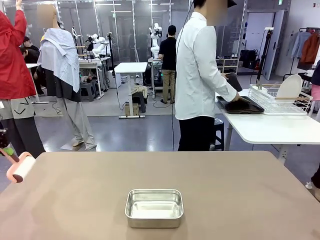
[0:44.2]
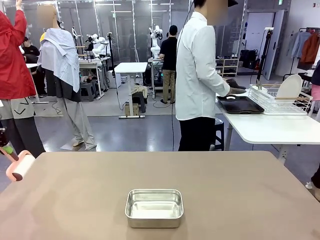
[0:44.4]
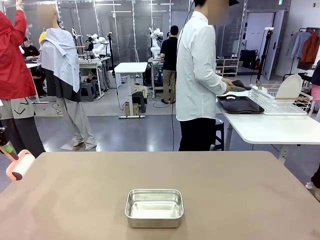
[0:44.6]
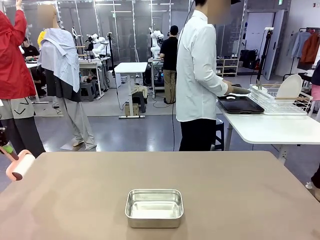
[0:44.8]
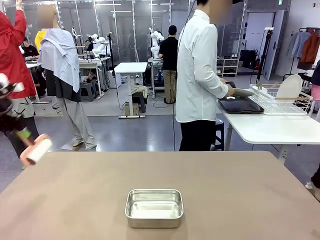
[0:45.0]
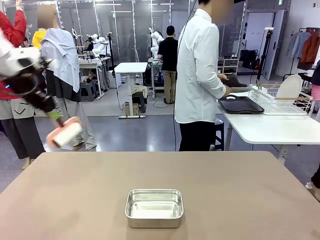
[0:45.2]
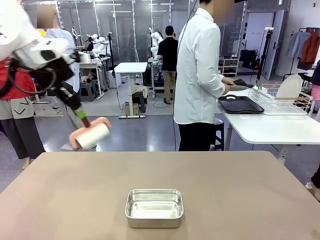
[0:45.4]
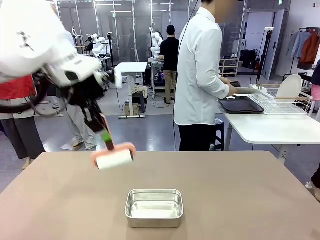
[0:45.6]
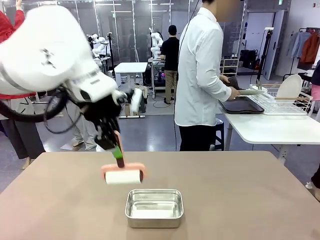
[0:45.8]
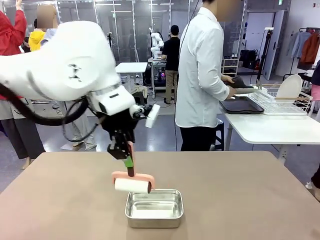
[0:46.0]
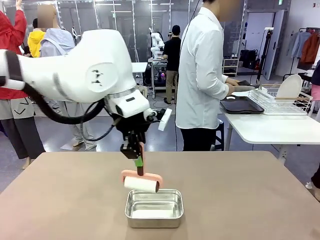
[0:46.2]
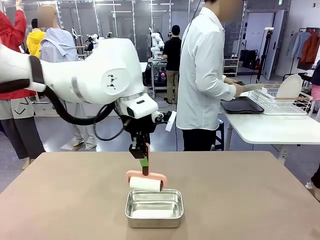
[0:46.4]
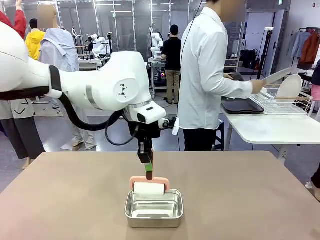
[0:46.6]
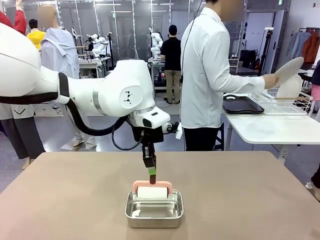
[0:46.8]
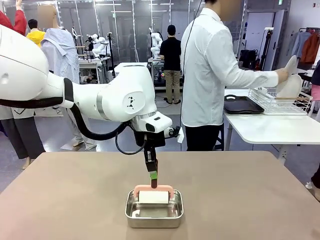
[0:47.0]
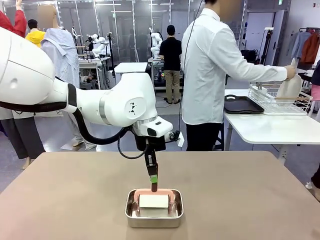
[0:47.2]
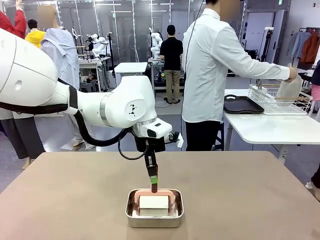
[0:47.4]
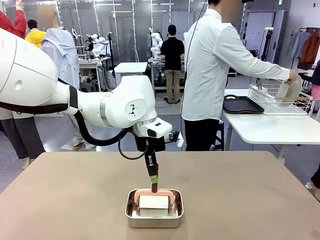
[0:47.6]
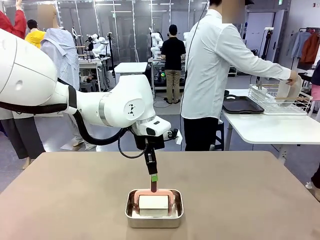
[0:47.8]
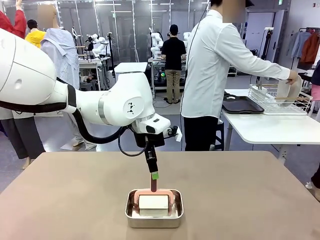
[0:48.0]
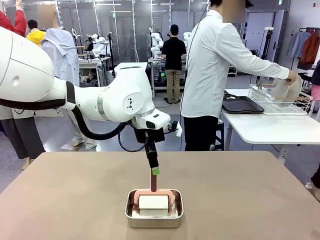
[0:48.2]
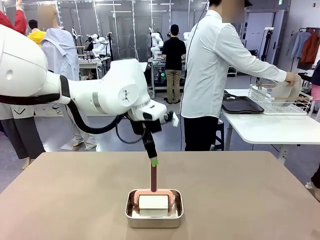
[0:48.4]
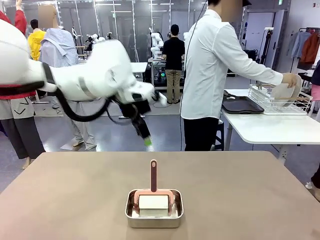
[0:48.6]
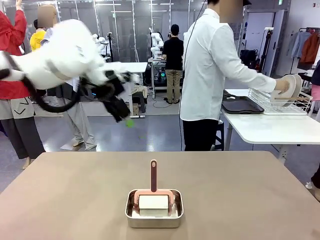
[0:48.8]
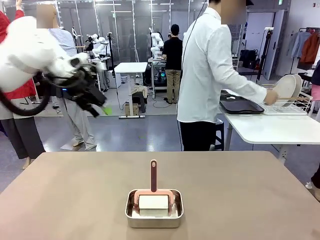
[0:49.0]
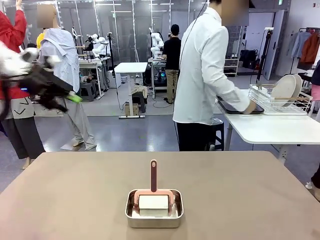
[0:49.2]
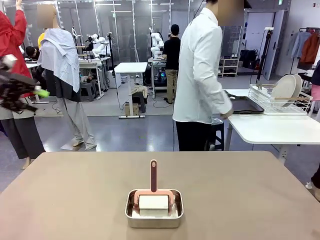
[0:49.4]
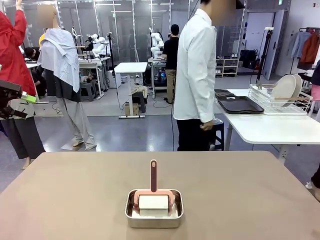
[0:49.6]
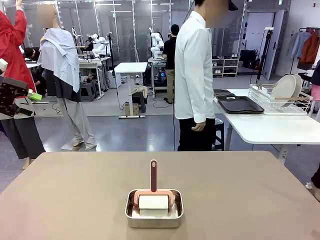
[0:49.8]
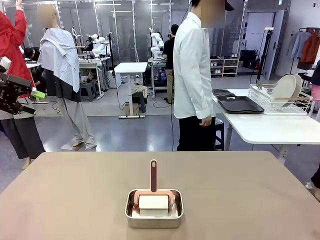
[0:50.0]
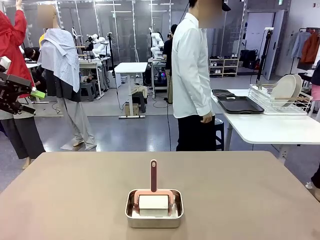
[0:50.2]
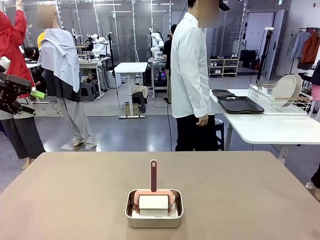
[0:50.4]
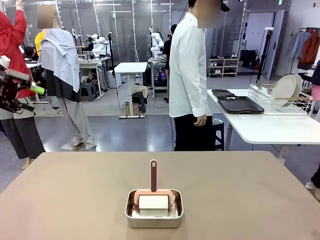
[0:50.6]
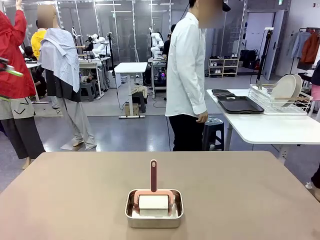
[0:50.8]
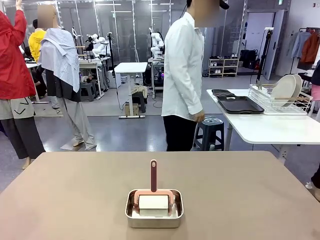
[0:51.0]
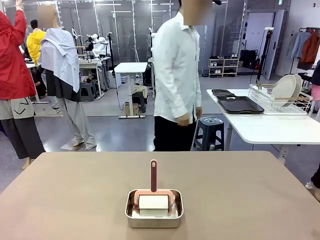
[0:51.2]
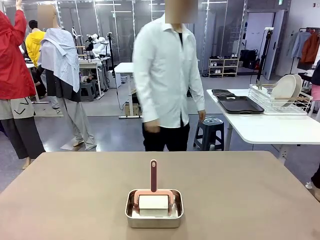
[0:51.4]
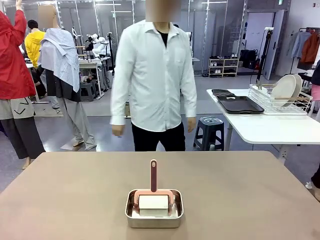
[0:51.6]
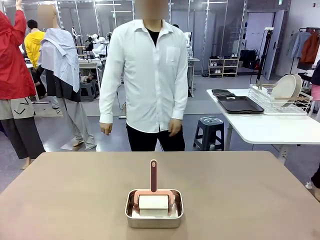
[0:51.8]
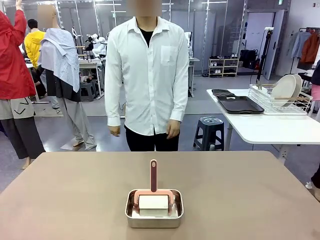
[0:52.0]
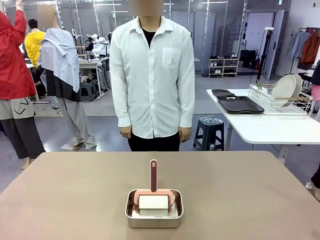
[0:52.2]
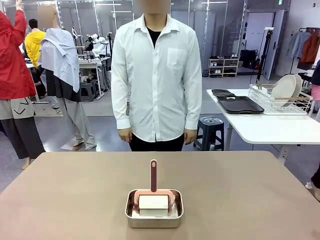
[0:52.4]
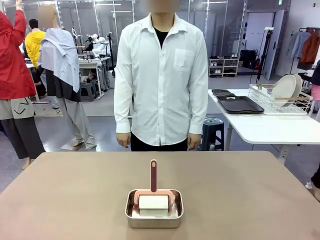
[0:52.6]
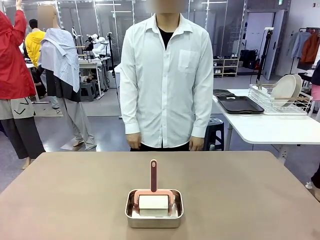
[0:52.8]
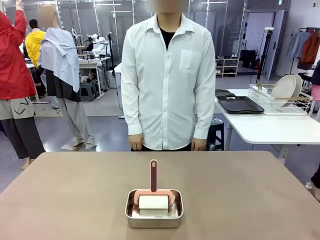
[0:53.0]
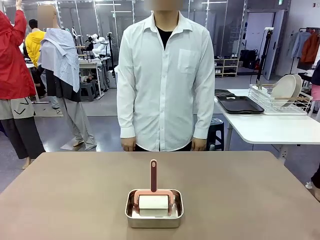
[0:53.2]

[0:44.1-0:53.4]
Robot: Place the Lint Roller back on top of the Airtight Container.

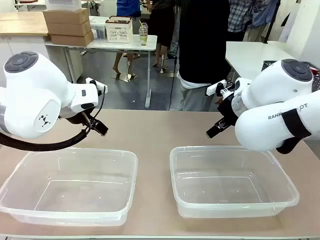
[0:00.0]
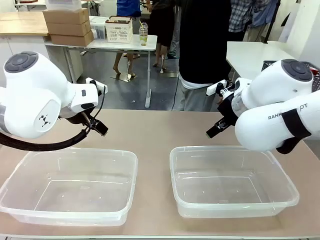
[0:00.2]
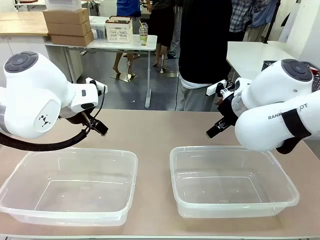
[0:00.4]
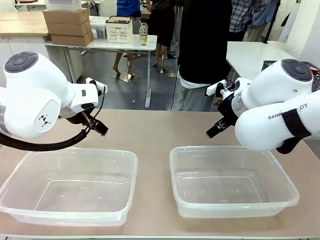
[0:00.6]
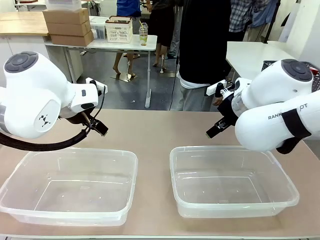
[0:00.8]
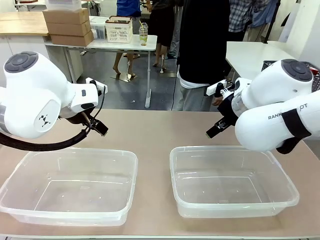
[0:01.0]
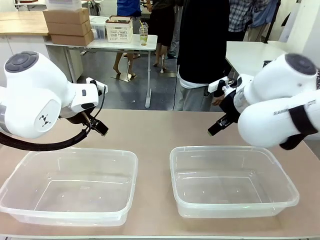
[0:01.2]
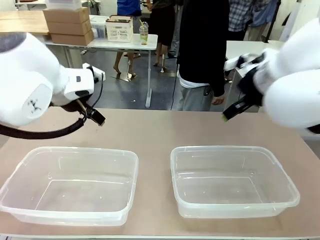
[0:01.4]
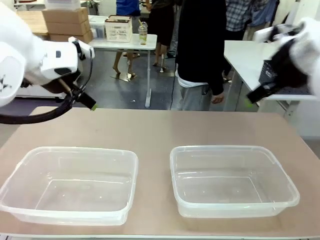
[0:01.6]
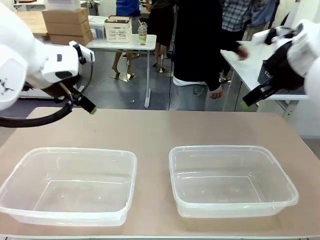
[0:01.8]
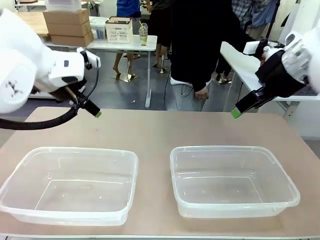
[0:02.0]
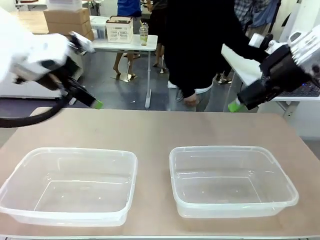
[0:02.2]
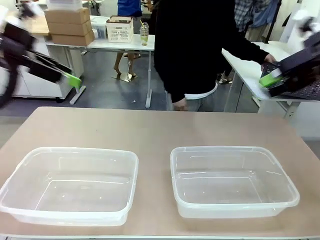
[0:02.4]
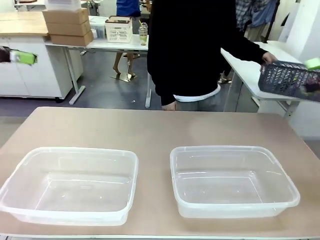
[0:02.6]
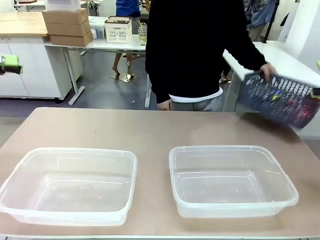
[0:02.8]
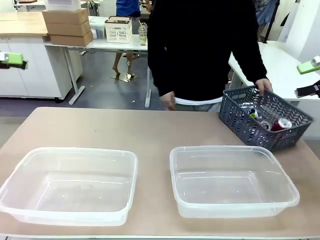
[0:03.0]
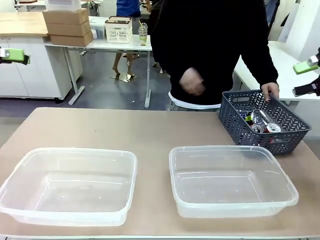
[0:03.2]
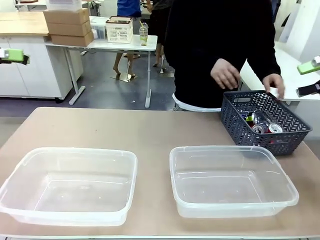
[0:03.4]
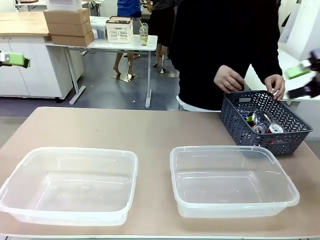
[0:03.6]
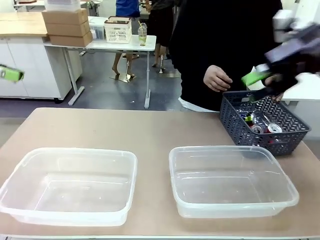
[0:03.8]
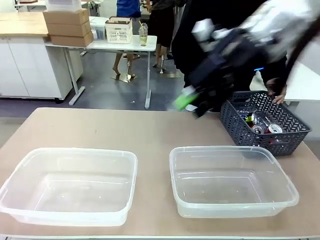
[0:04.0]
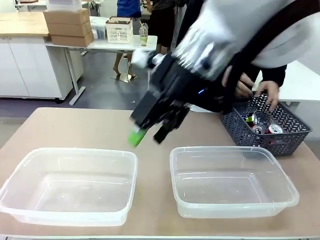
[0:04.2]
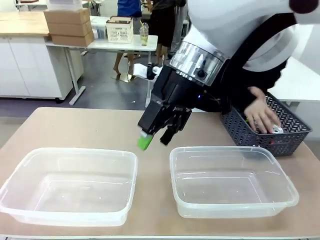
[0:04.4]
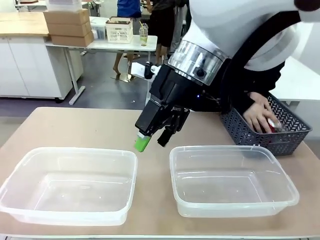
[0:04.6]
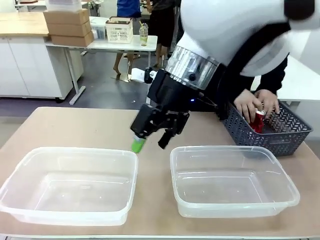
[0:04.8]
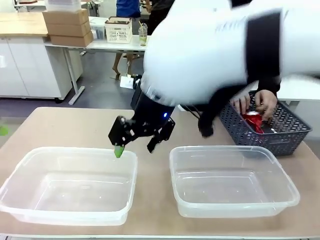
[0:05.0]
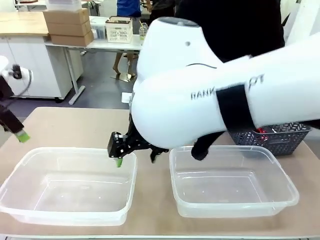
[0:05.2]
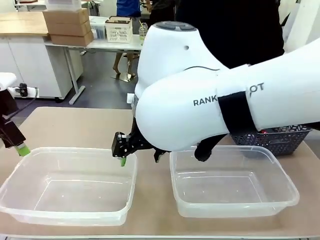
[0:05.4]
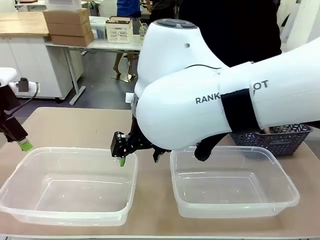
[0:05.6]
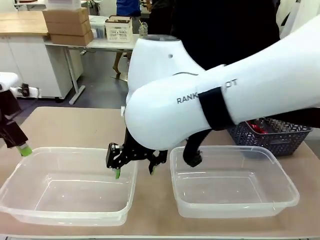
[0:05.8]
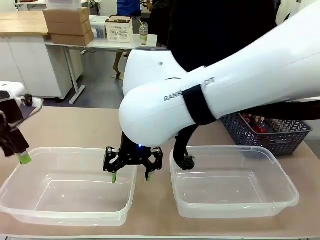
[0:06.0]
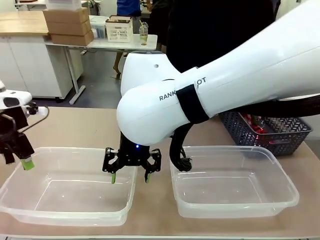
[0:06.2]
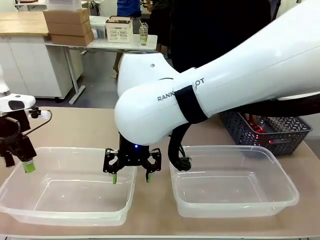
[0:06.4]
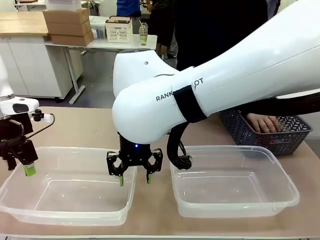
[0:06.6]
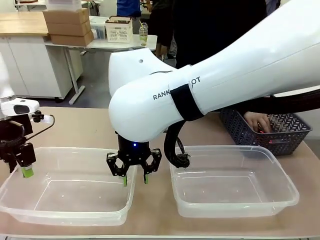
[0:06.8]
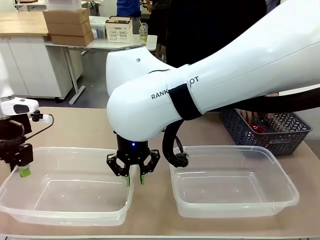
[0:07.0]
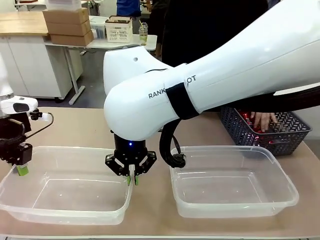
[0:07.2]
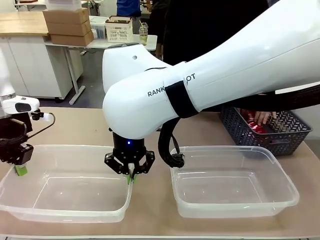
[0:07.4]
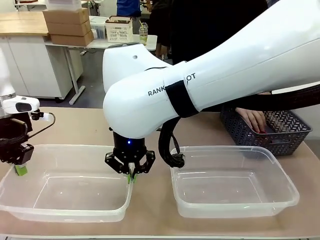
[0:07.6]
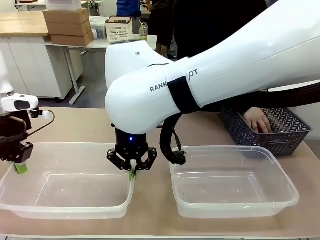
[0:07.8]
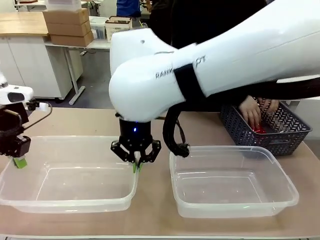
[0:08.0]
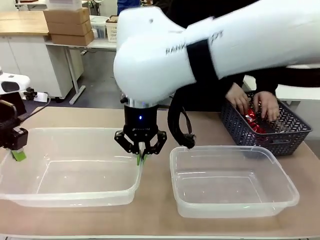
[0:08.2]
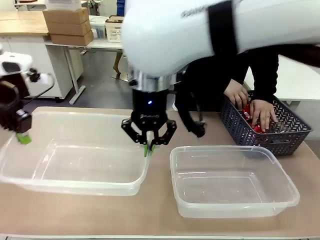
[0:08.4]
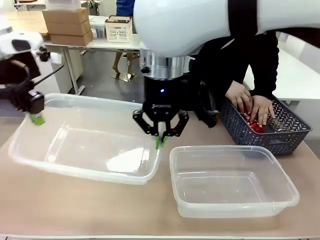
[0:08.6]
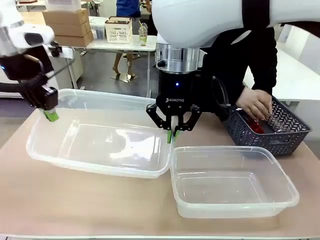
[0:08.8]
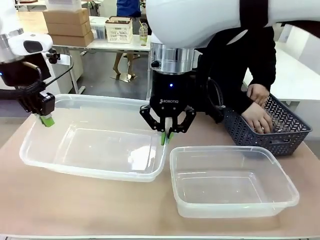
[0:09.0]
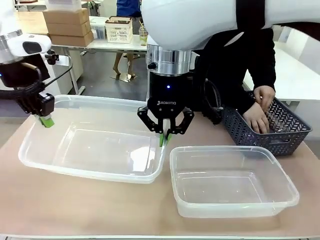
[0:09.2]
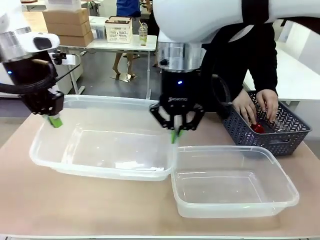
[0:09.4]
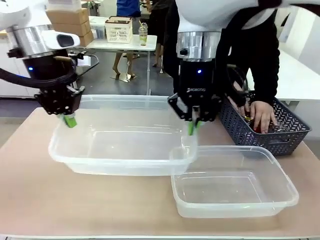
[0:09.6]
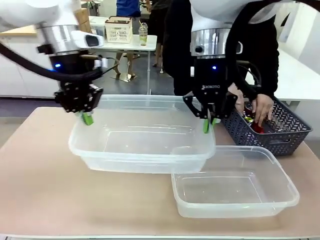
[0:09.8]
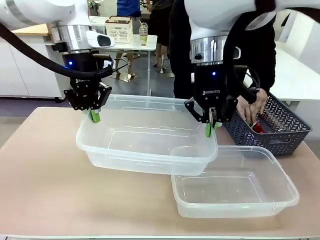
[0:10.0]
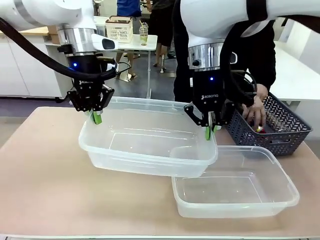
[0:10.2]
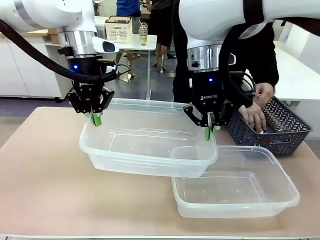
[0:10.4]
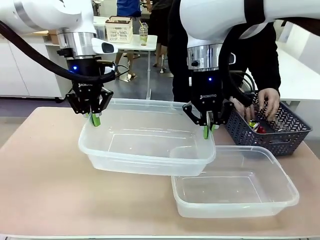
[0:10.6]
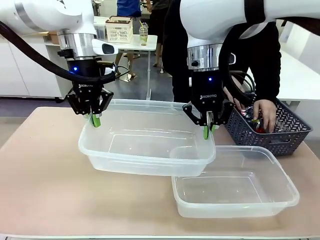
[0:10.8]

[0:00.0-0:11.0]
Robot: Pick up the Organizing box on the left side of the table and lift it.
Person: Pick up the storage basket and place it on the left side of the robot table. Pick up can-shaped waste one by one and place it into the organizing box lifted by the robot.
